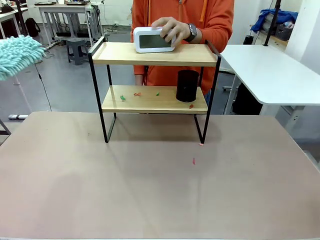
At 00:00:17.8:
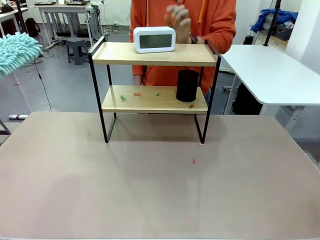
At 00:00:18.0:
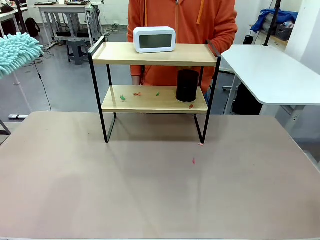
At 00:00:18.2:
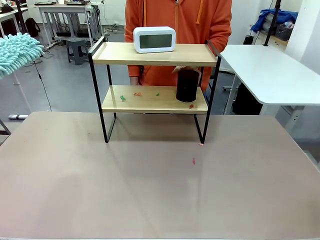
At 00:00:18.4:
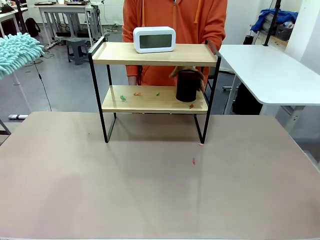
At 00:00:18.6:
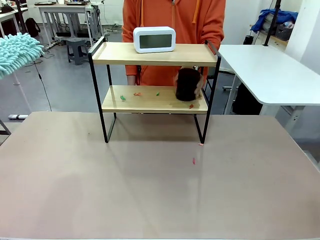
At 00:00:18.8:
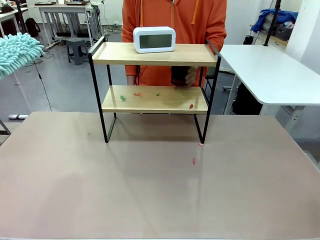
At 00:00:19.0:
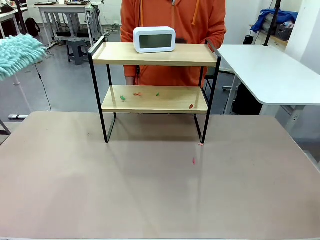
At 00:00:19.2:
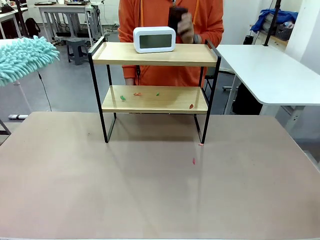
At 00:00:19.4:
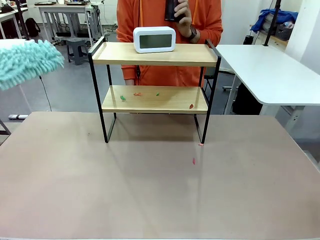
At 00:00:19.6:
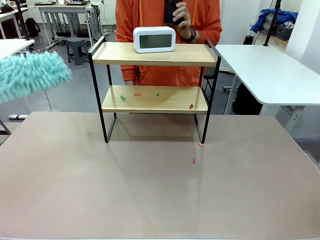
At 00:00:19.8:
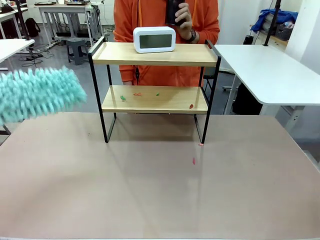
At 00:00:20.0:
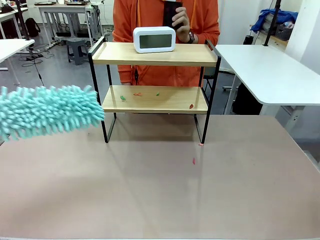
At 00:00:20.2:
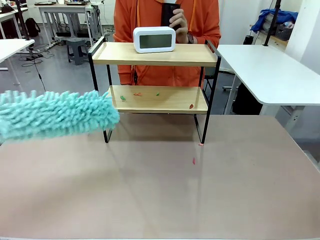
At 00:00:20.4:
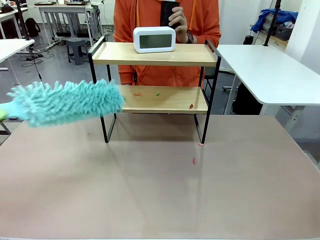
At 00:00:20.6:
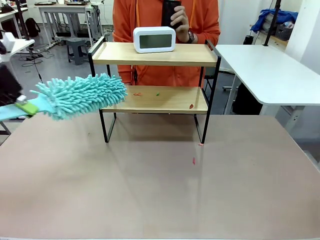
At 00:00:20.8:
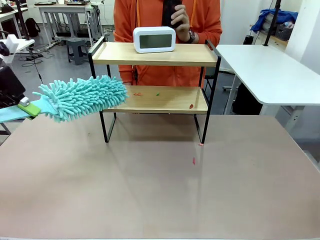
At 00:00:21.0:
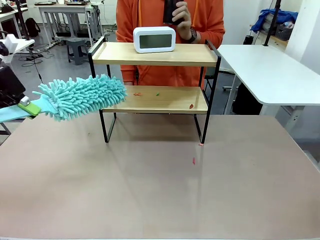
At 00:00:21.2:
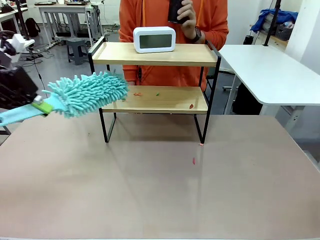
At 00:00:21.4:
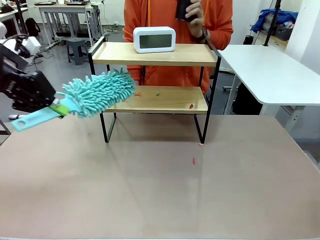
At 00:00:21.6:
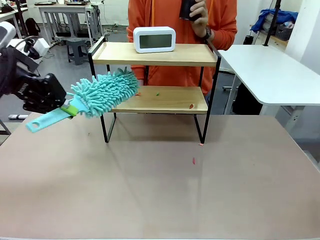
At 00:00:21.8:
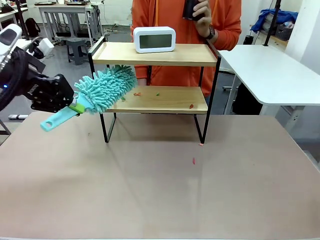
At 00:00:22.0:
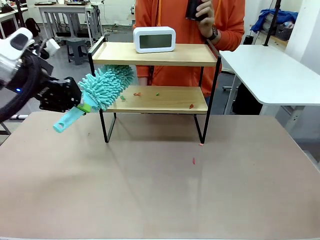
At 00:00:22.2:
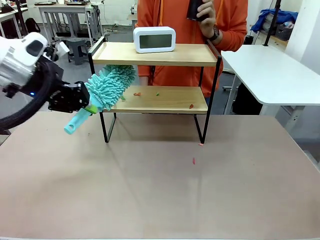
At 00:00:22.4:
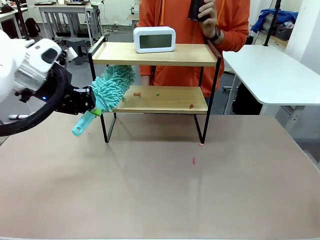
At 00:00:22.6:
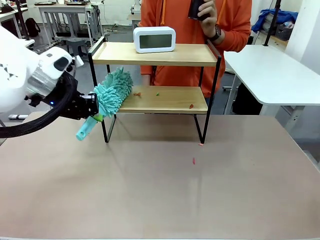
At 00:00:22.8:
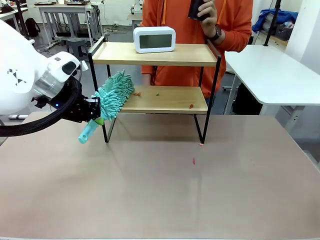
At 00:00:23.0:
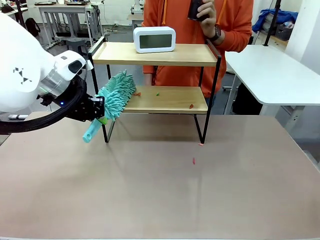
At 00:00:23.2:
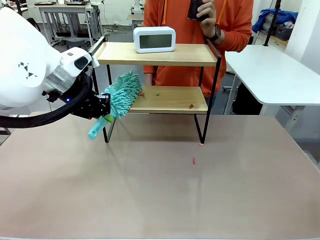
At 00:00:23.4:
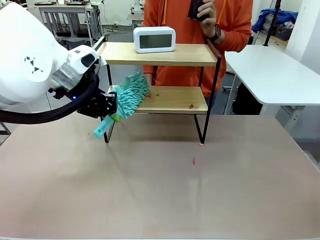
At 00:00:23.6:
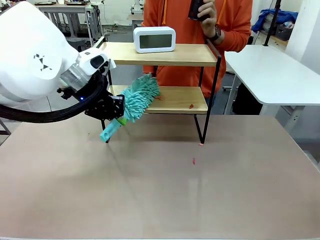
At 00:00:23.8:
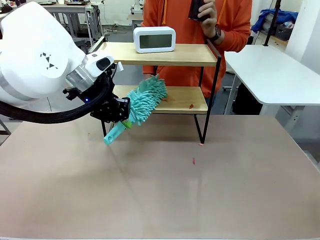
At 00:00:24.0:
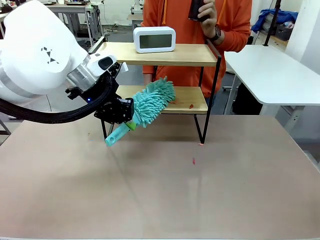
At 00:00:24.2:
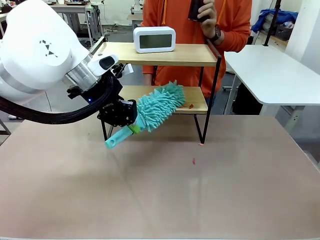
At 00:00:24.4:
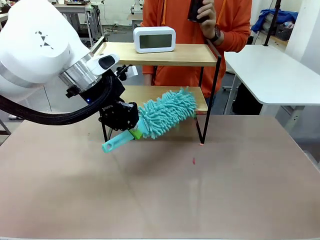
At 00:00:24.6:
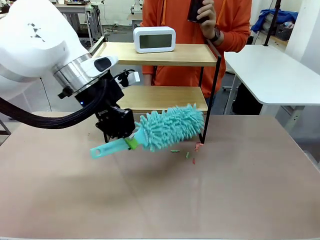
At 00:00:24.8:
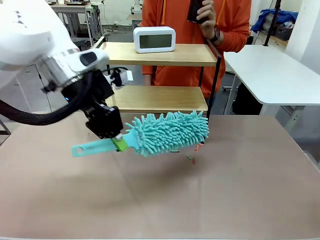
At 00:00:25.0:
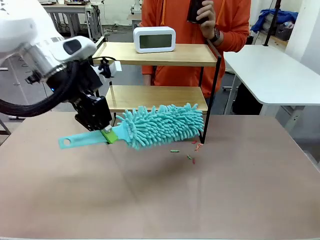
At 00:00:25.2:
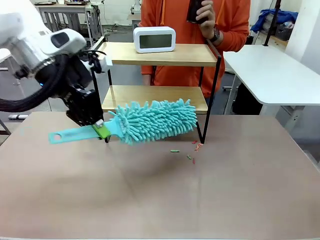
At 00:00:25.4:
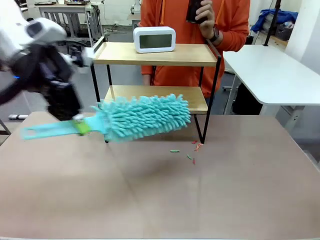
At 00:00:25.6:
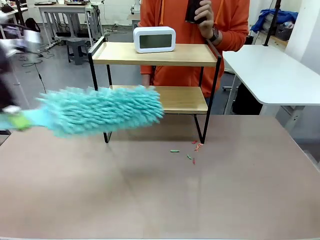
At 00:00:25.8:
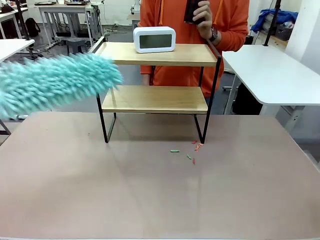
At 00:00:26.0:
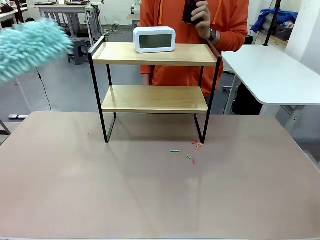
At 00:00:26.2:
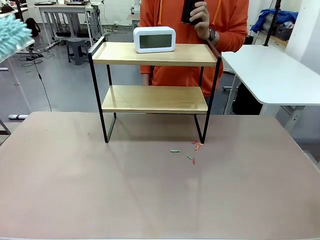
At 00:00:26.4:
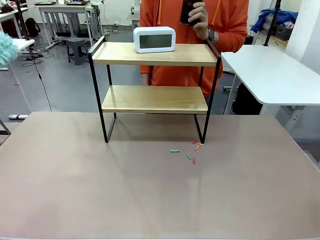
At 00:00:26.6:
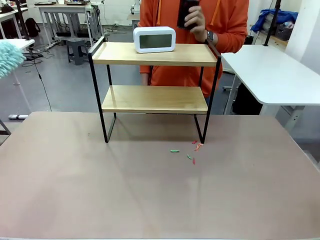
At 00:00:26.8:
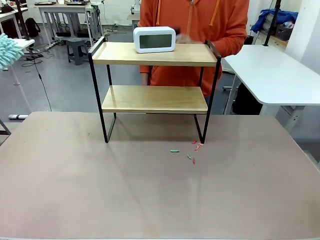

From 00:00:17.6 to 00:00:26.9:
Task: Clean the shelf.
Robot: Clean the remaining tier of the Shelf with the Duster once objects are removed.

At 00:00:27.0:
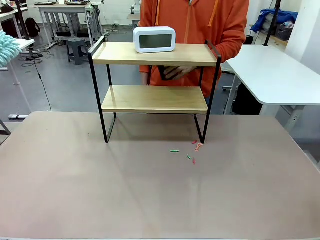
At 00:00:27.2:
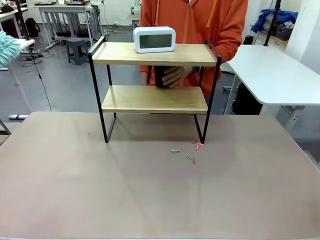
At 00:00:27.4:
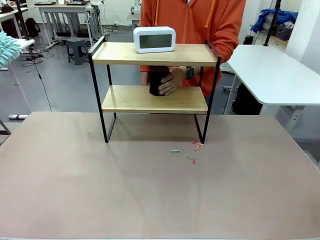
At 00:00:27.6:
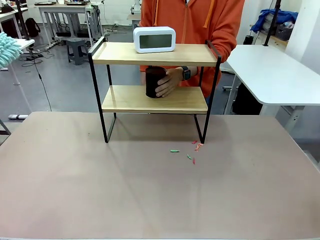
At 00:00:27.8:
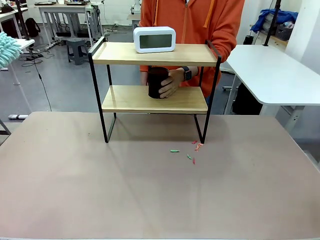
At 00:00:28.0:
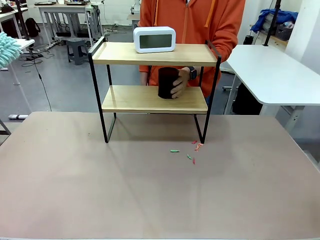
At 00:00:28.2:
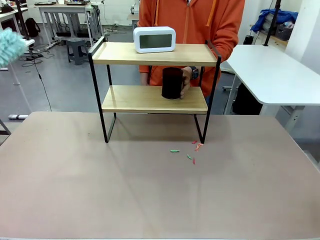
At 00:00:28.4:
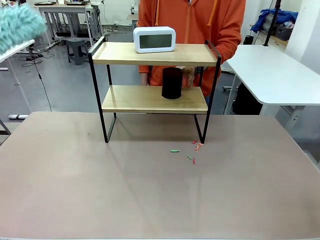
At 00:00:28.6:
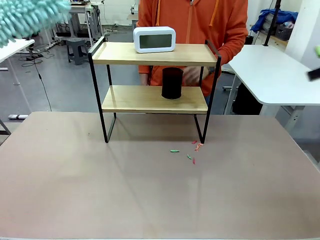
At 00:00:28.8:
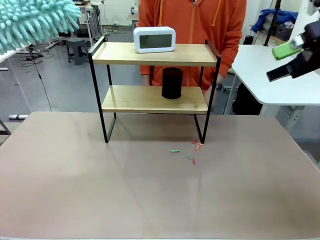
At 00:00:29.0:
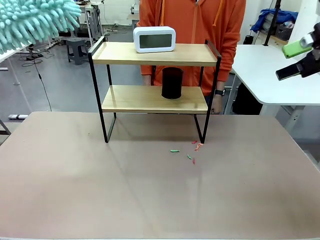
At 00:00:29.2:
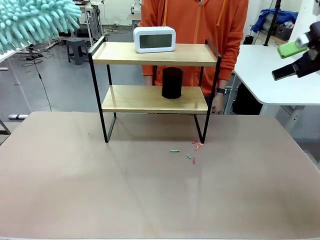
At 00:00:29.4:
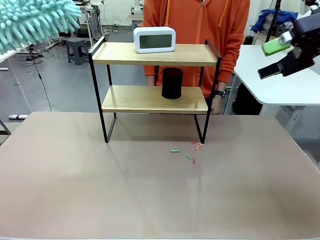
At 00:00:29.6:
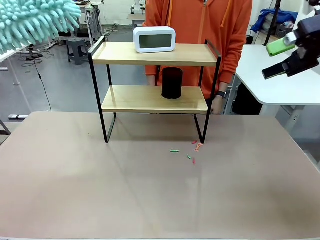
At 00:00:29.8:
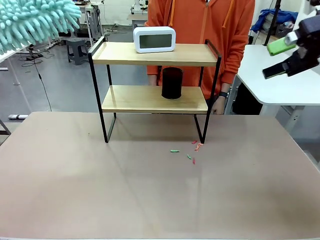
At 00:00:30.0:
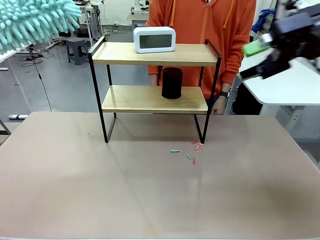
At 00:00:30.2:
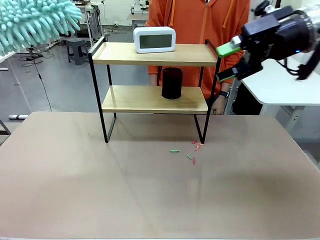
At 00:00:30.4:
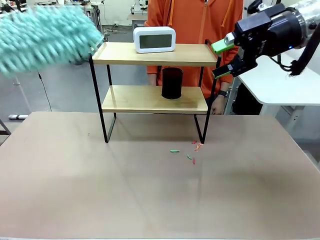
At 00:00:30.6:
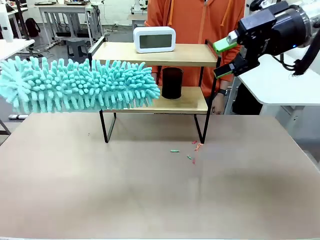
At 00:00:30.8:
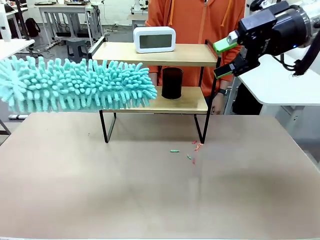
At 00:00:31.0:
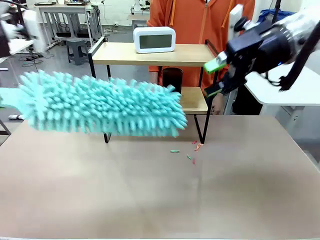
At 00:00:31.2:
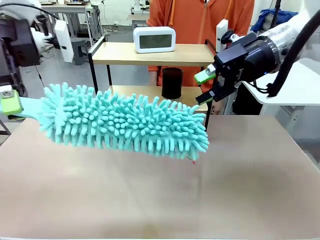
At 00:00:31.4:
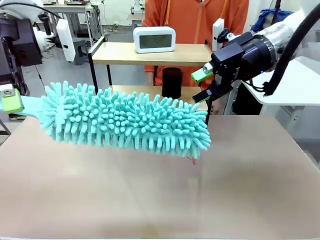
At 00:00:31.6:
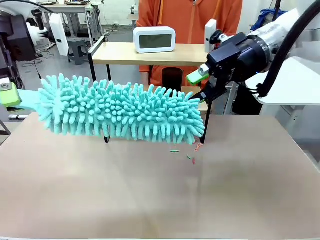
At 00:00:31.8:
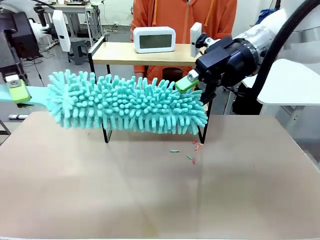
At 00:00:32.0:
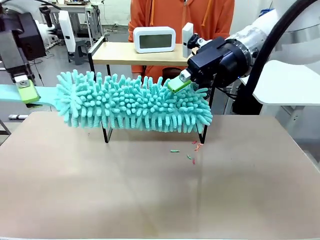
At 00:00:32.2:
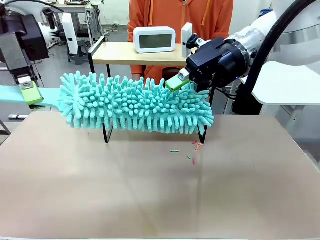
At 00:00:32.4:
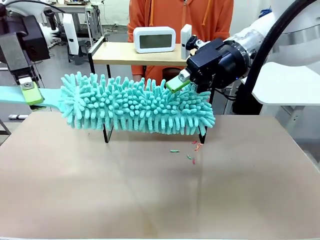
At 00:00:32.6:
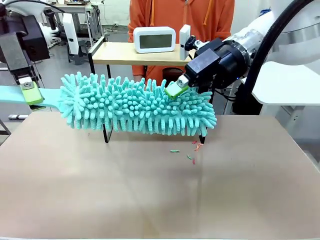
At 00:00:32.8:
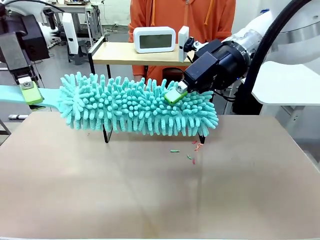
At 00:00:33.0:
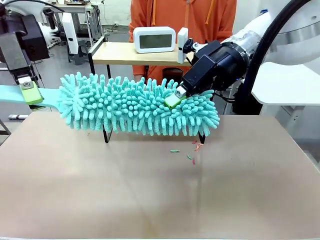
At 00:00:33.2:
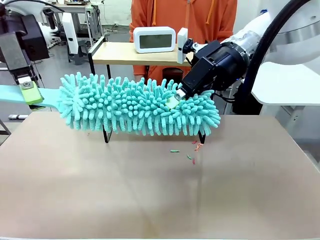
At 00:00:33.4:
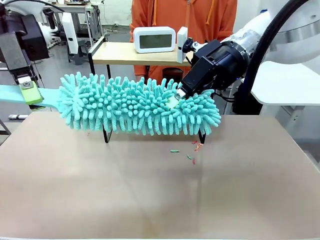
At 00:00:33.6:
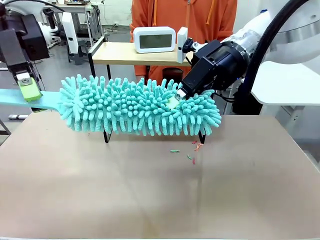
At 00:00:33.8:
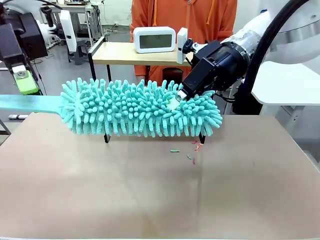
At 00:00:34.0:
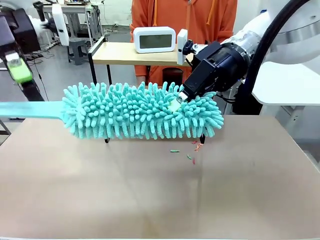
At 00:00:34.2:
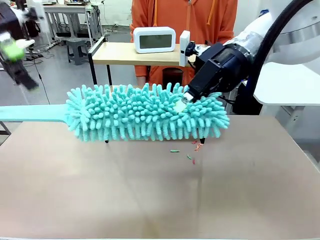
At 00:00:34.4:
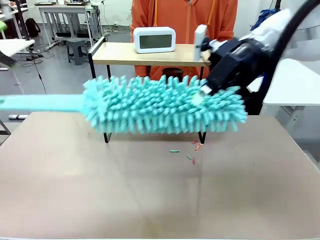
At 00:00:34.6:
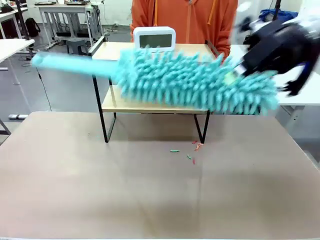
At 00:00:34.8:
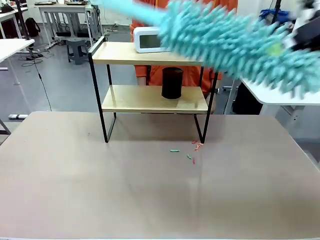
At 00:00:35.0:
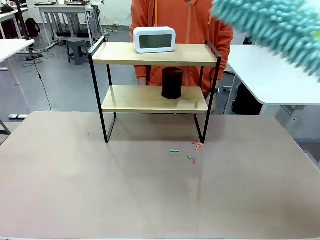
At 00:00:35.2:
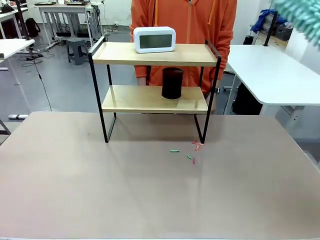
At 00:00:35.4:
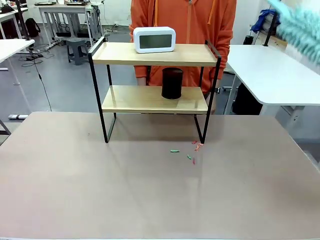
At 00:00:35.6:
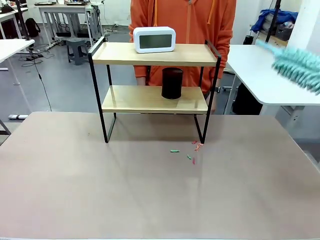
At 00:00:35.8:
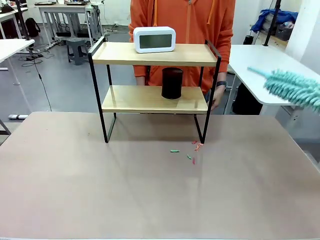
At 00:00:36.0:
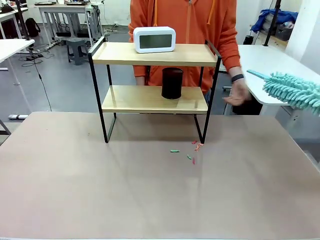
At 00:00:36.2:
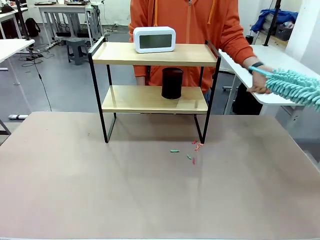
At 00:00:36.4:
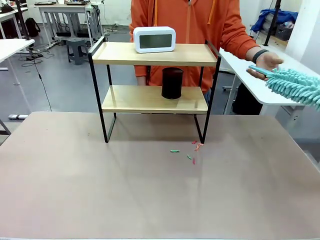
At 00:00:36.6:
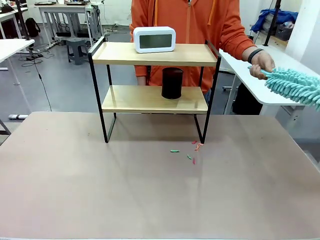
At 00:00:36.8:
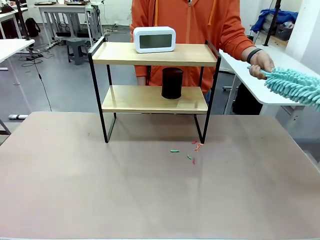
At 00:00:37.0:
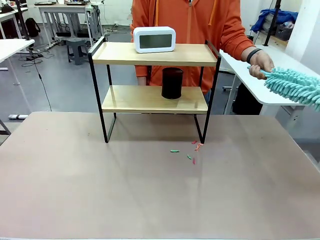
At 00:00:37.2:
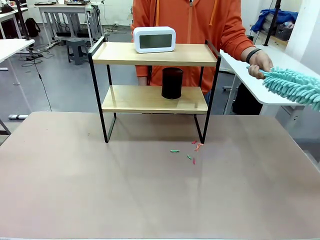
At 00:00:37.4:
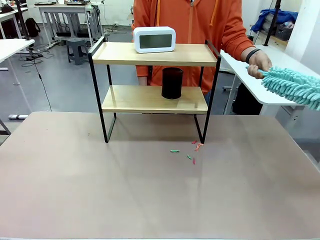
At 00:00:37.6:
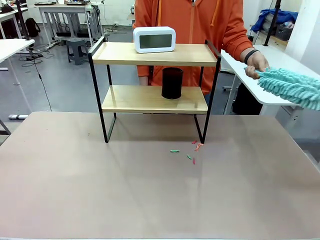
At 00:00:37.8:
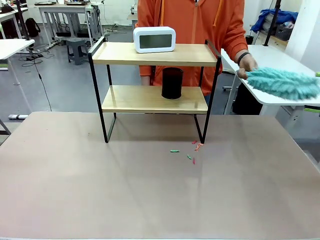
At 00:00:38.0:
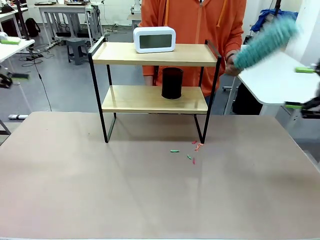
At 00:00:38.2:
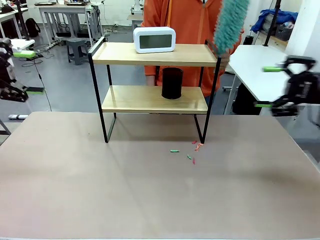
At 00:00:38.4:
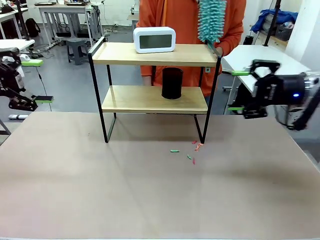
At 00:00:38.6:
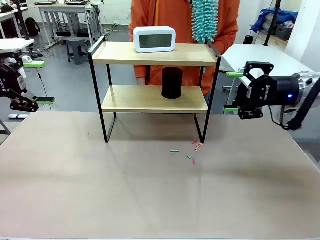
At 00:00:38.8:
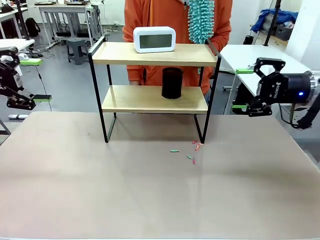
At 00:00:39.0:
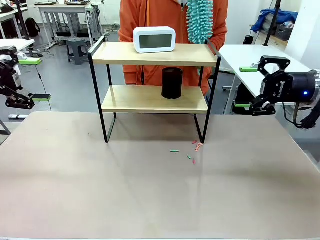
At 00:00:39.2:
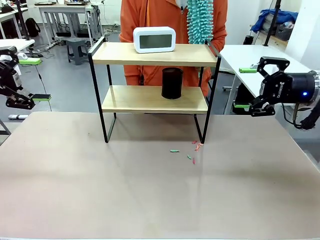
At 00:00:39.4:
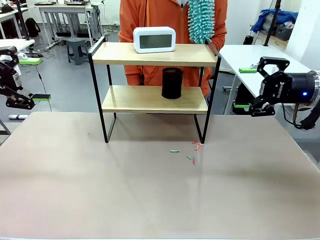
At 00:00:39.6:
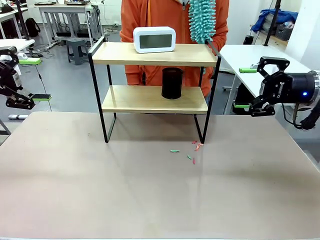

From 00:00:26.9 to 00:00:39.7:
Robot: Hand the Duster back to the human.
Person: Receive the Duster from the robot.
